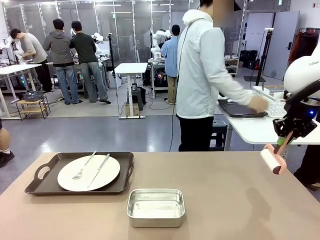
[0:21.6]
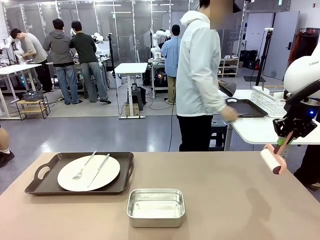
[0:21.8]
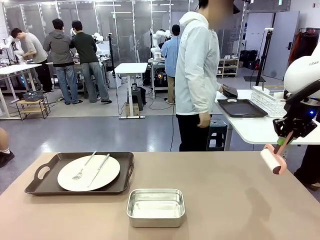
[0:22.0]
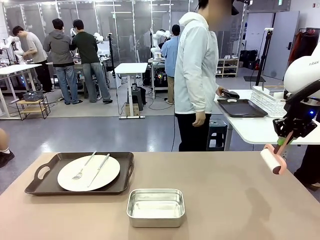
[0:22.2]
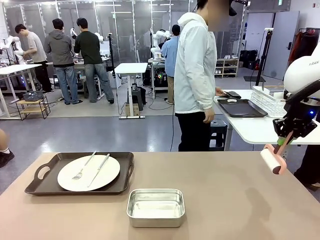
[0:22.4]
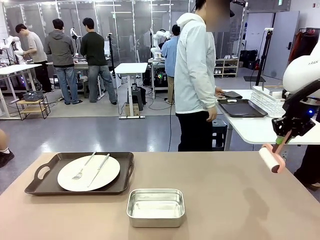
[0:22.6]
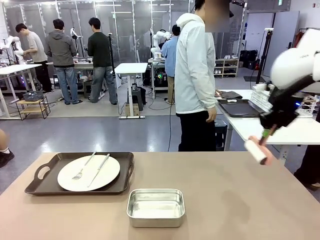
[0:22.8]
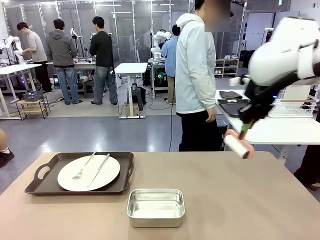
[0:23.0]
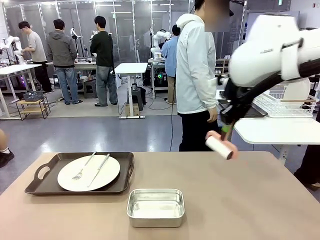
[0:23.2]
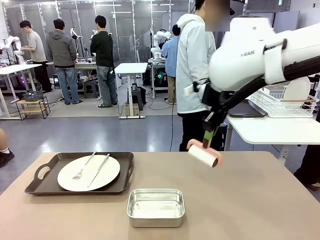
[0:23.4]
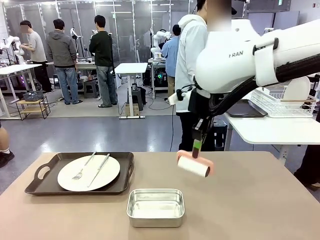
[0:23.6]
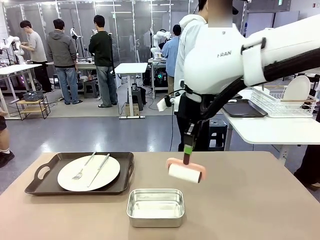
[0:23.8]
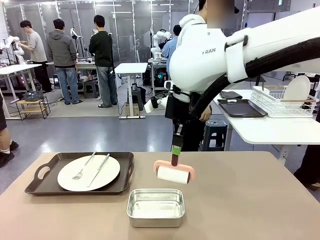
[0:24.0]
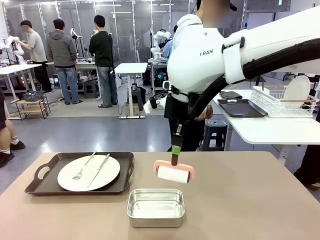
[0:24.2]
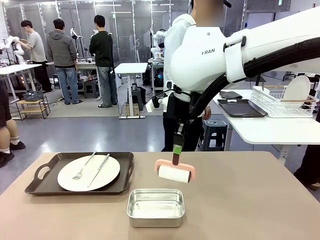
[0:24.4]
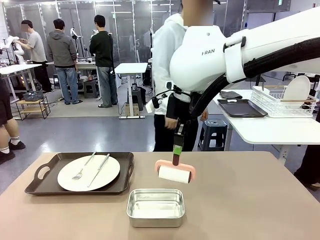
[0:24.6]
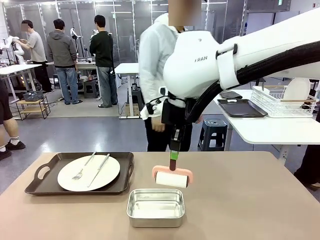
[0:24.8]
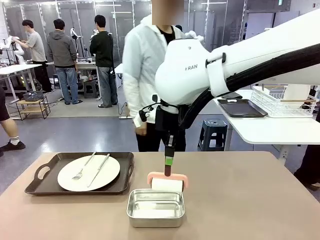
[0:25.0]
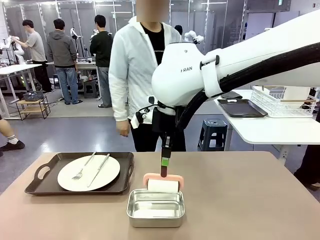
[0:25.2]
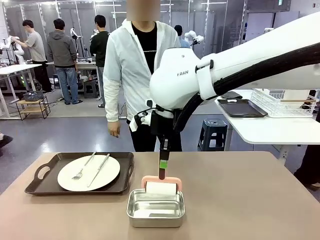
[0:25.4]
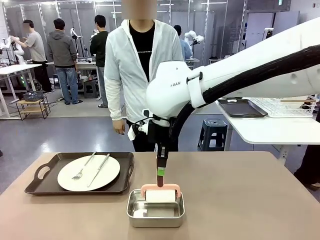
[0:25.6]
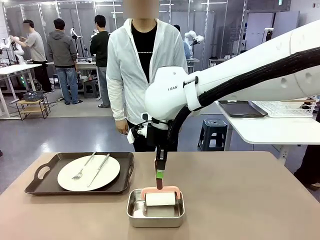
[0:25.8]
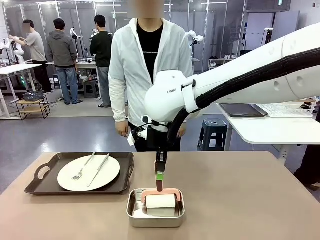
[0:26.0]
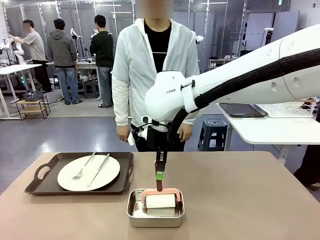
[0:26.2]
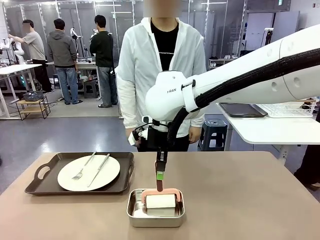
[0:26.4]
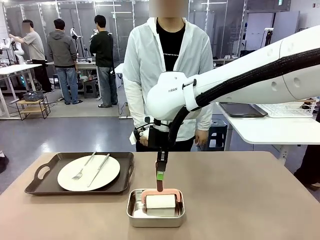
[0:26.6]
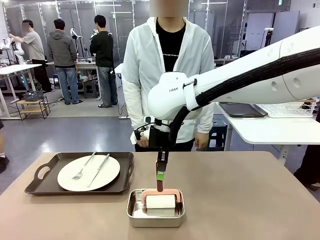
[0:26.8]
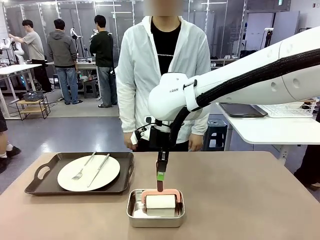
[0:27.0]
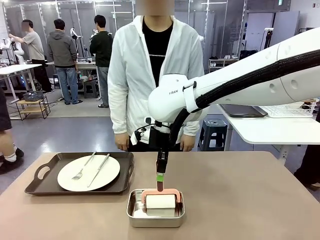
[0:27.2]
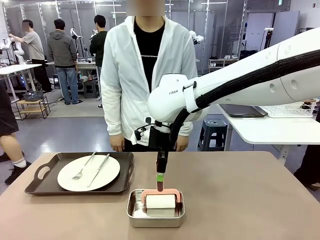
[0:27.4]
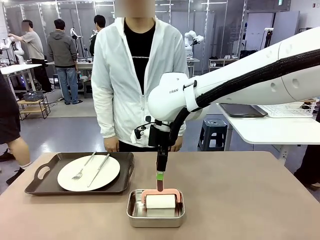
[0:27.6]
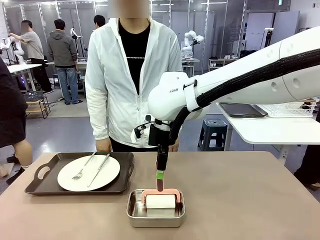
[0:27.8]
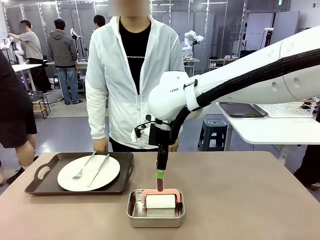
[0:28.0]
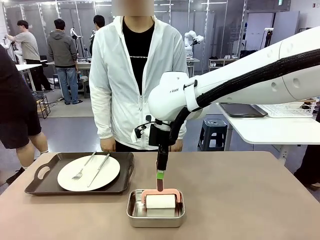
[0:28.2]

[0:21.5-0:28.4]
Robot: Place the Lint Roller back on top of the Airtight Container.

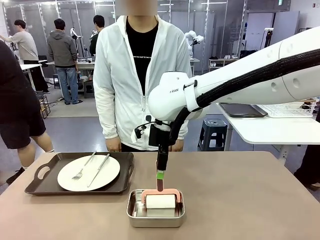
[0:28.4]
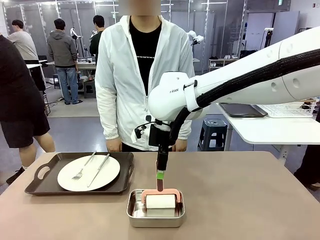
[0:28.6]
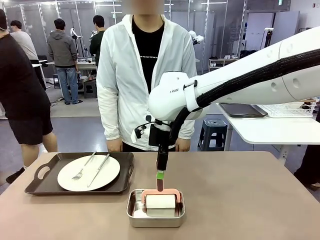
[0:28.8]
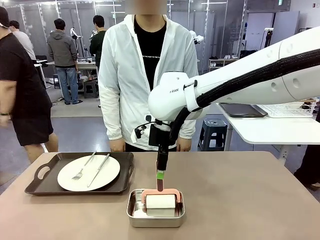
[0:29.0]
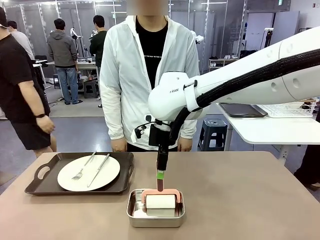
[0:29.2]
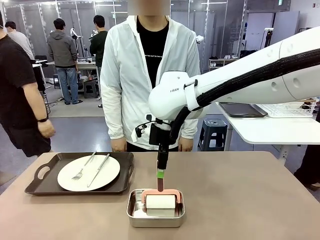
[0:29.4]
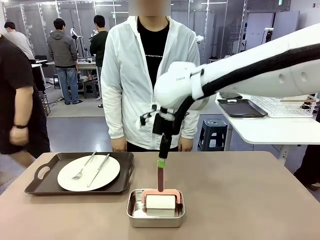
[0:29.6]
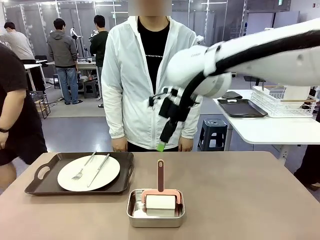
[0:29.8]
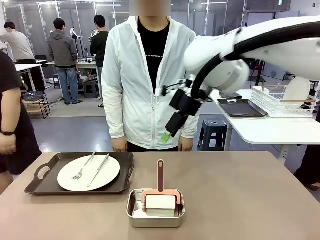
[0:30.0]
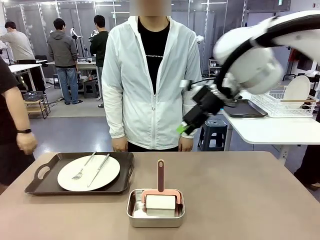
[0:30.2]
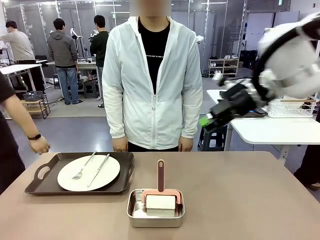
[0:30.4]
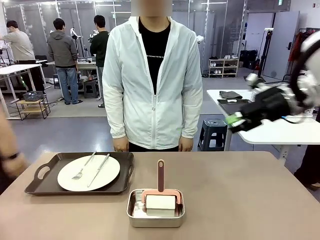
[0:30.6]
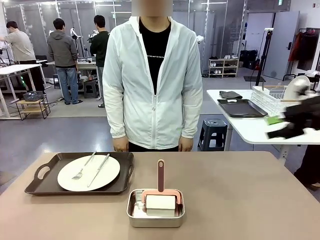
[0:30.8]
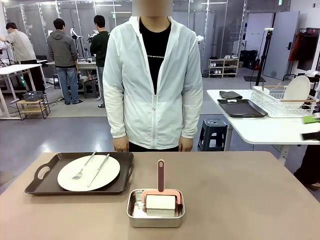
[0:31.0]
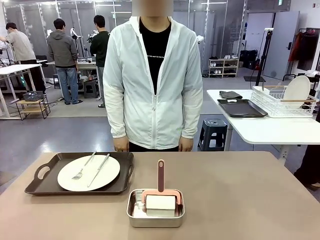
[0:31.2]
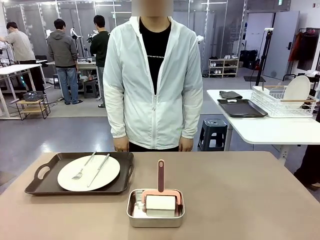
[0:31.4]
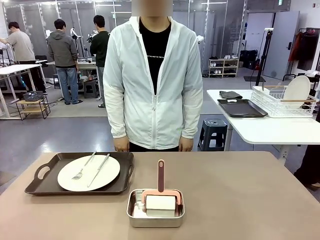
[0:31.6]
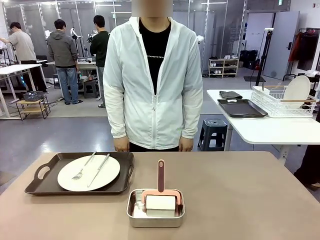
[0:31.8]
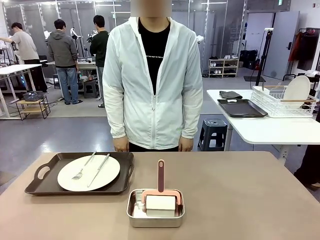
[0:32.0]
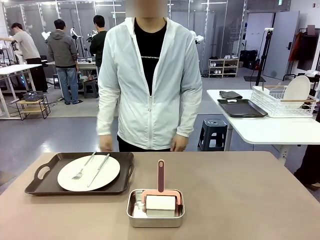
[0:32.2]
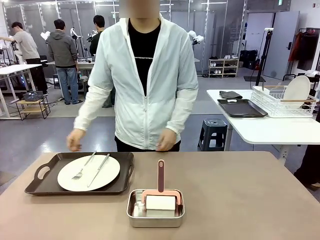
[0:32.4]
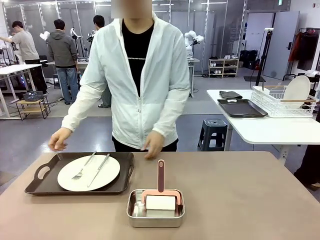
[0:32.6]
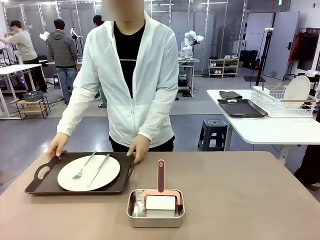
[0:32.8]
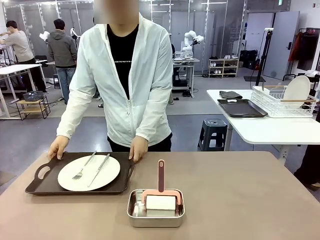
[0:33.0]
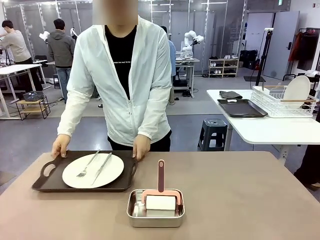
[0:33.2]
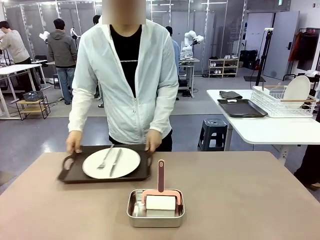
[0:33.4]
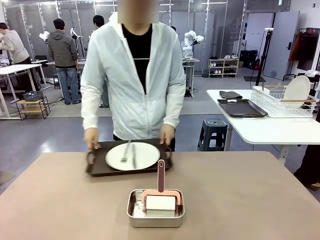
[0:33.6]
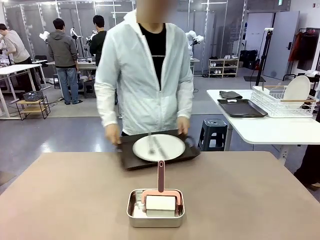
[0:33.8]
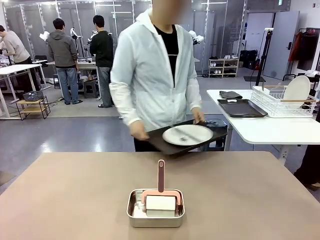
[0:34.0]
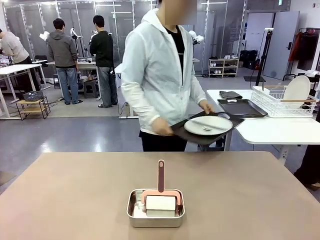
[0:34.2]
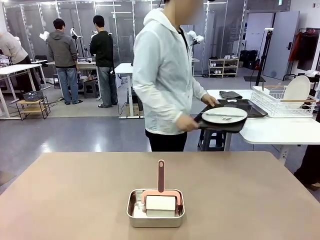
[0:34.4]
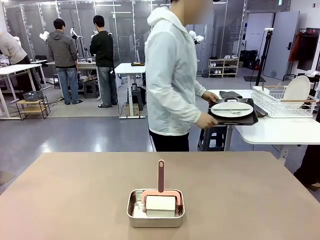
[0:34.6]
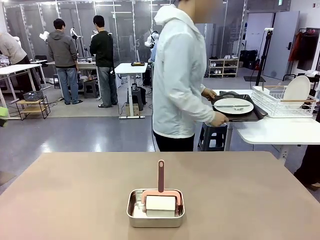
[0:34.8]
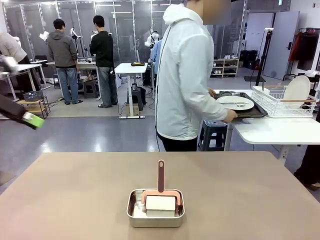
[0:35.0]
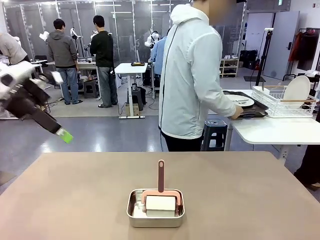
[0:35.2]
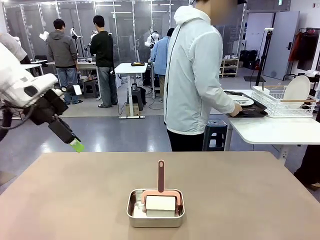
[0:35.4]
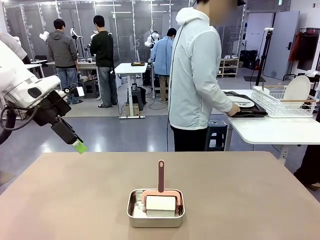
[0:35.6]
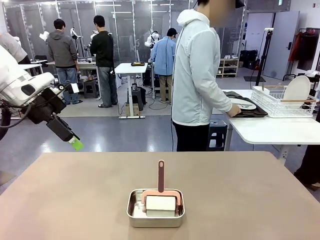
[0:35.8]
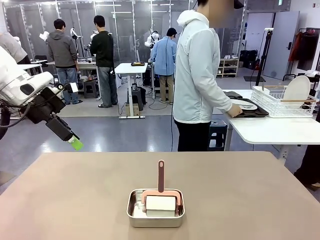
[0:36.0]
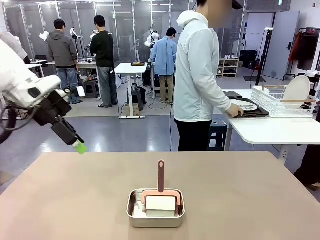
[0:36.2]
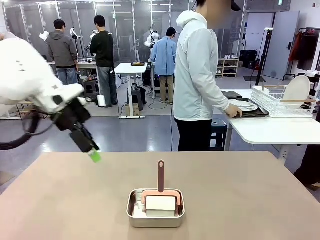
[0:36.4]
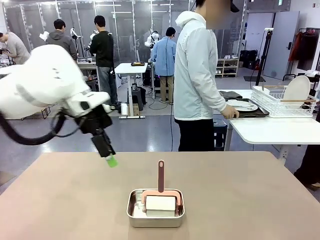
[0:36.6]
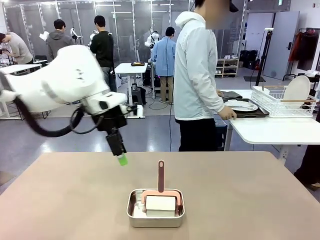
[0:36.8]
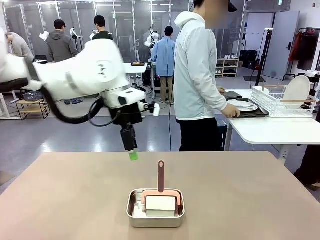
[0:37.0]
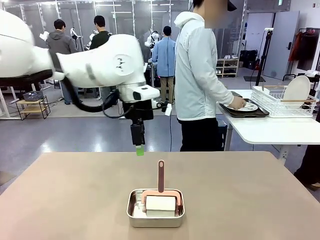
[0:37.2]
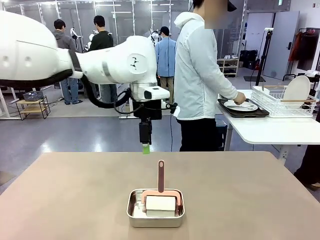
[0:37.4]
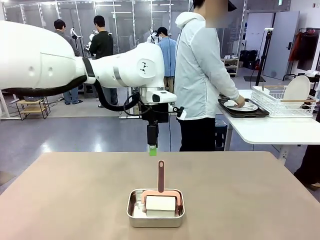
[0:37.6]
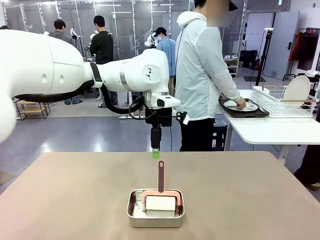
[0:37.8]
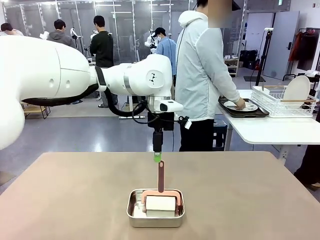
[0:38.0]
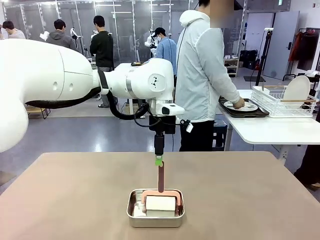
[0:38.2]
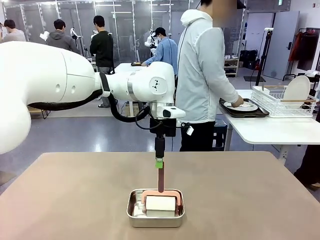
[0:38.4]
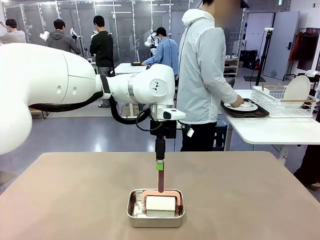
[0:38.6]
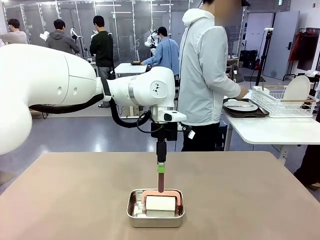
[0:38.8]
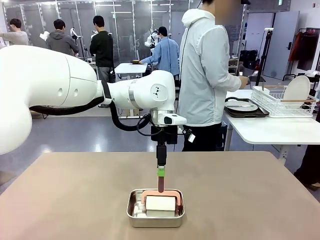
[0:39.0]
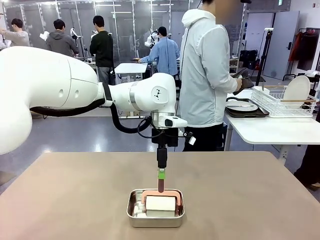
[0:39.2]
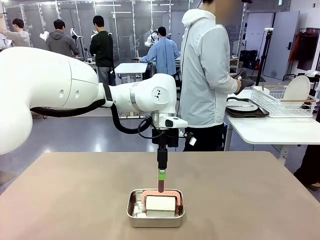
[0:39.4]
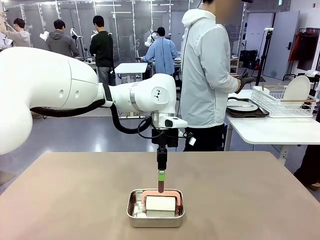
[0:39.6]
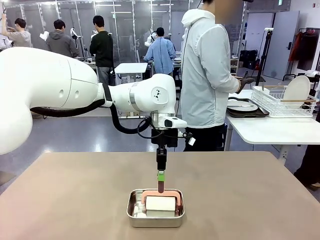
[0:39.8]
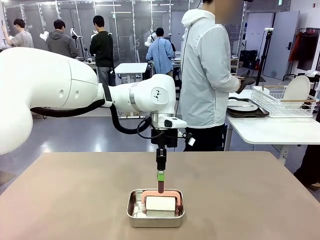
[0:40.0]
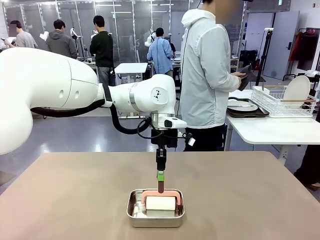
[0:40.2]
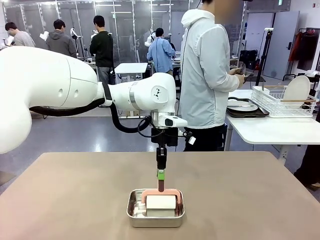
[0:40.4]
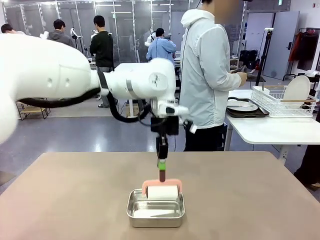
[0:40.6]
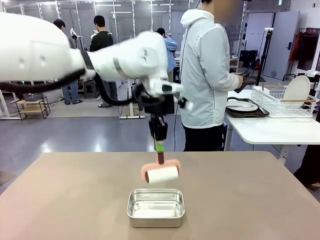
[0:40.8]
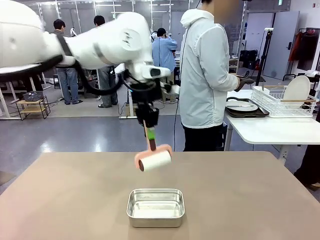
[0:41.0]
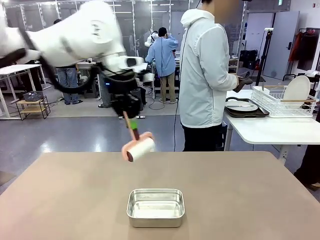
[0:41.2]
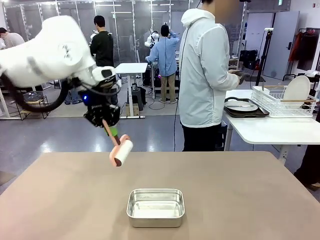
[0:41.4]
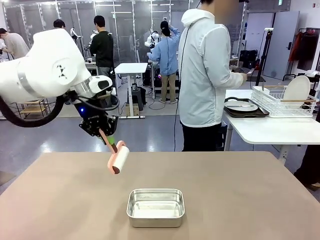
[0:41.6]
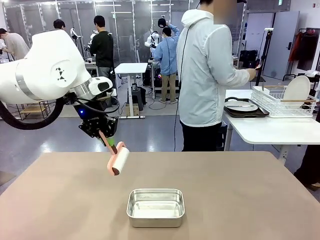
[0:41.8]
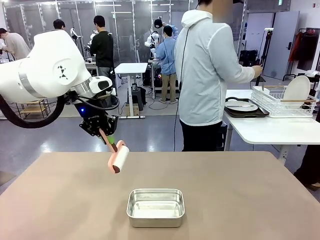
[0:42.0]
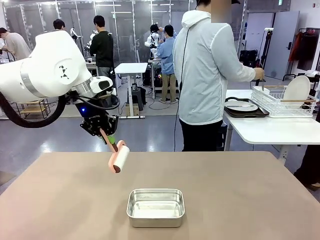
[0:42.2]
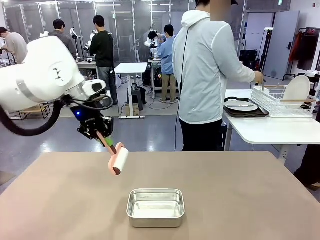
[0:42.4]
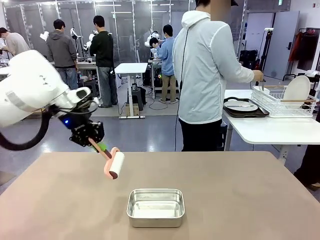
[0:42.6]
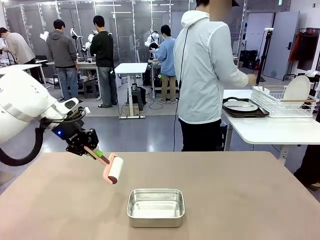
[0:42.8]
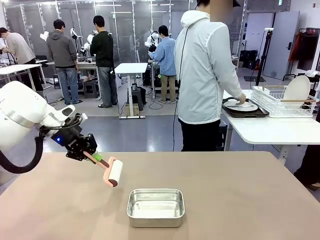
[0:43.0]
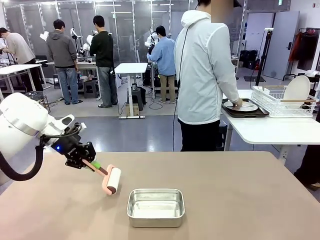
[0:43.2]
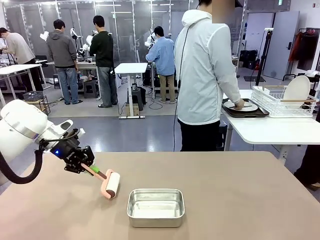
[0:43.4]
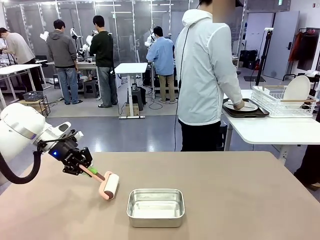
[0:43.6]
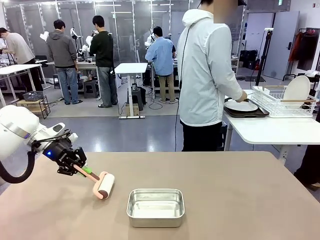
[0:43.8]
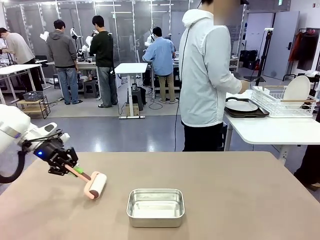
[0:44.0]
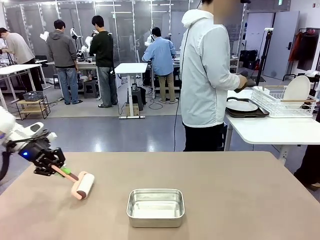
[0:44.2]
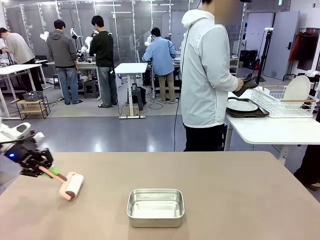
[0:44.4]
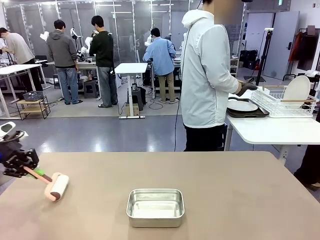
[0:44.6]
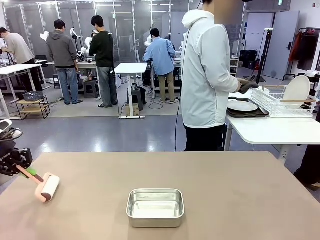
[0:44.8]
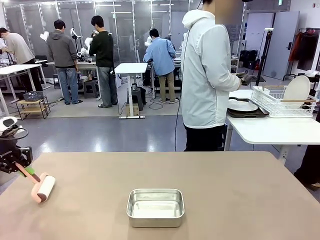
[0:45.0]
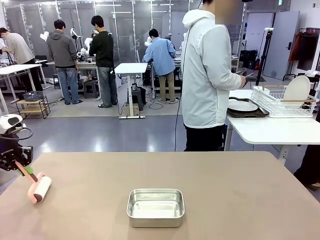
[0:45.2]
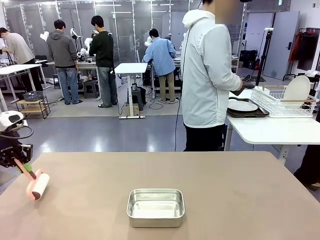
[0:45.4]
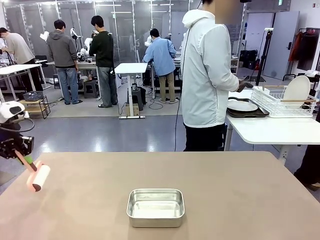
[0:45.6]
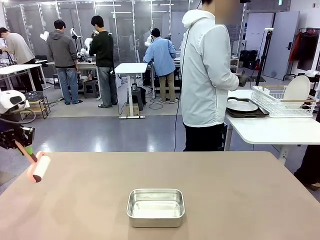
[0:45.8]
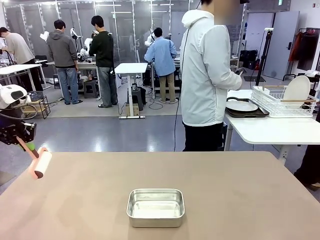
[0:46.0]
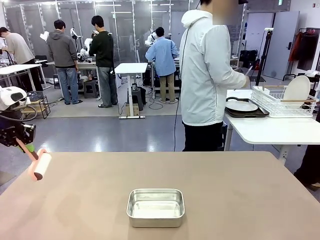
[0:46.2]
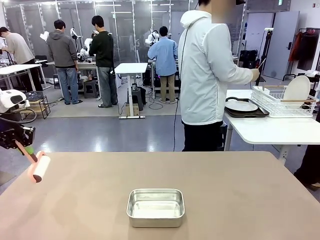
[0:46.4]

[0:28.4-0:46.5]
Robot: When the right (or left) Handle tray is removed, use the right hand (or left hand) to clean the right (or left) side of the table with the Lint Roller.
Person: Pick up the left (or right) Handle tray and place it on the Handle tray.
